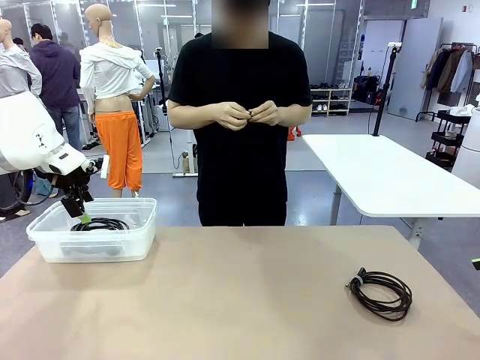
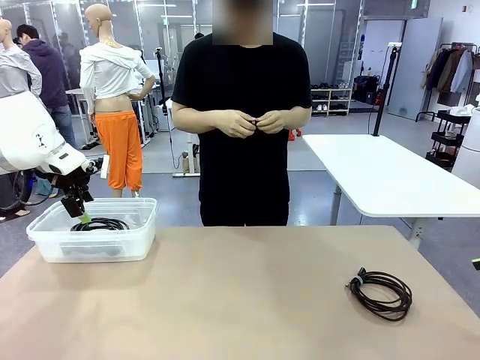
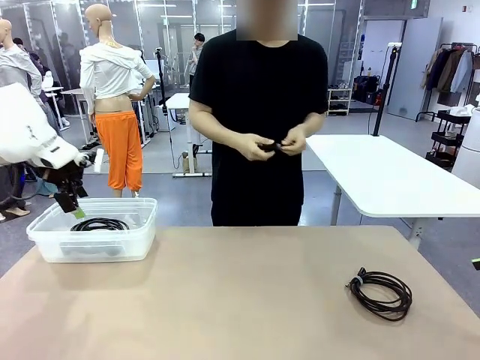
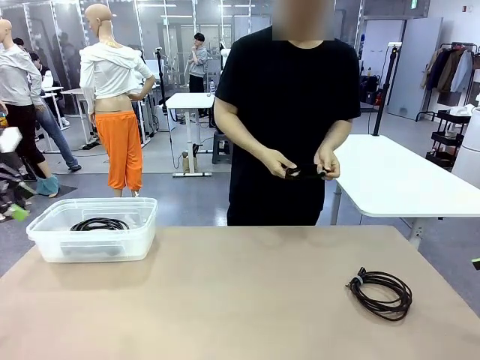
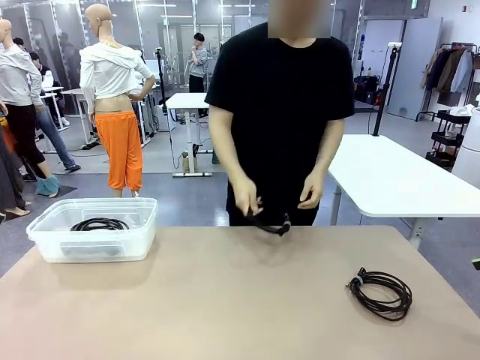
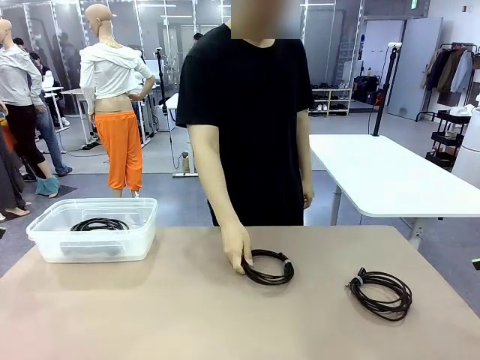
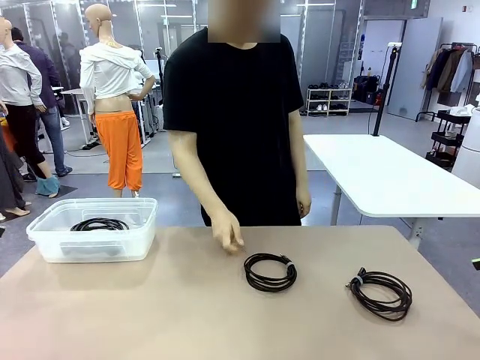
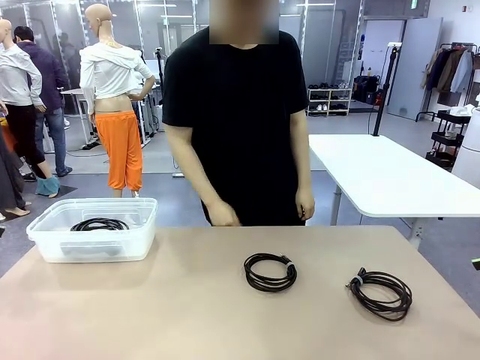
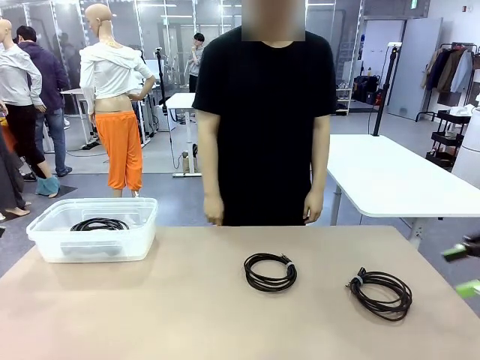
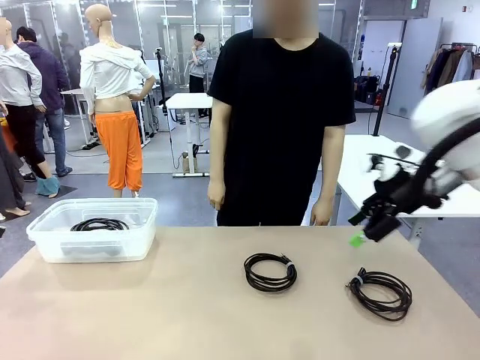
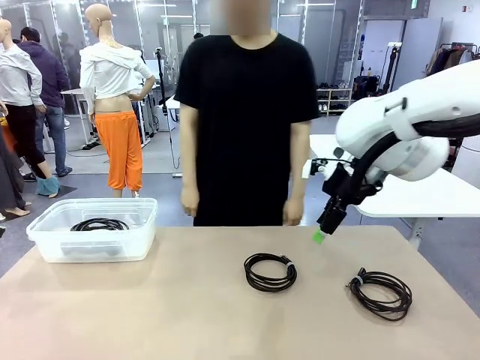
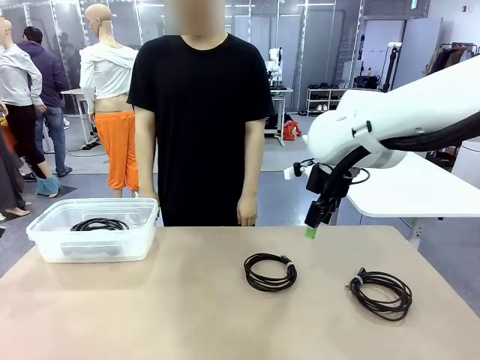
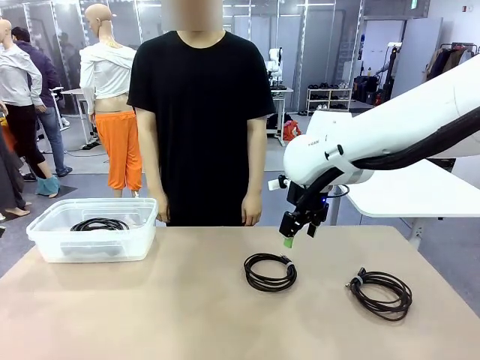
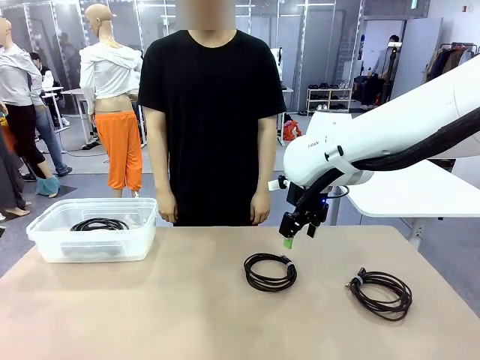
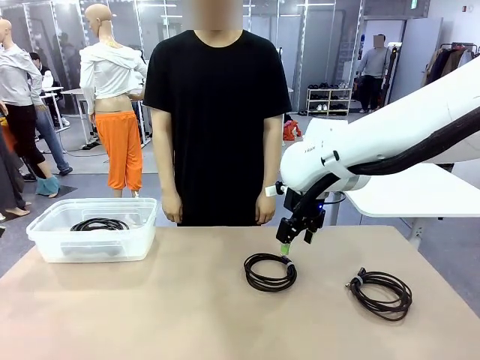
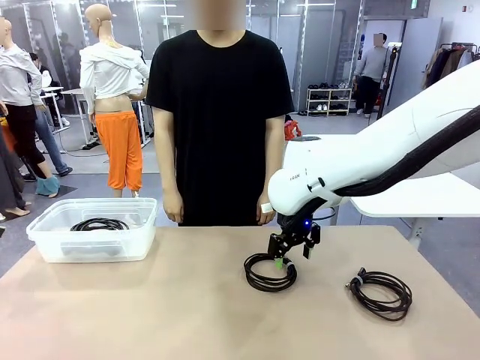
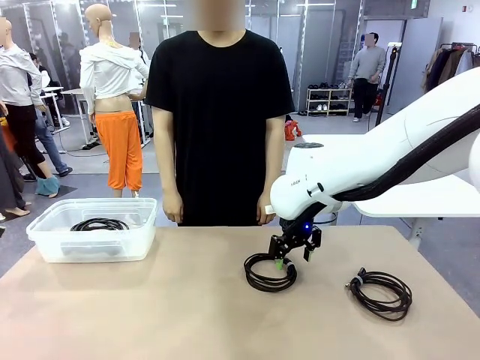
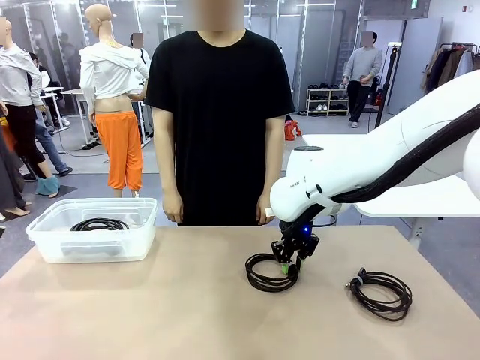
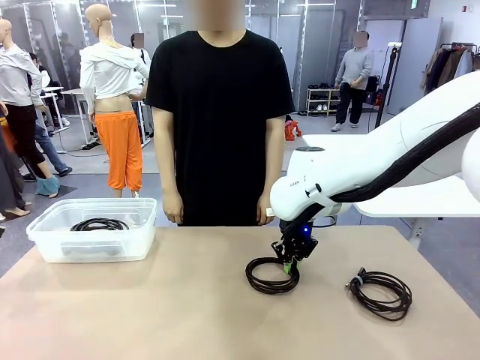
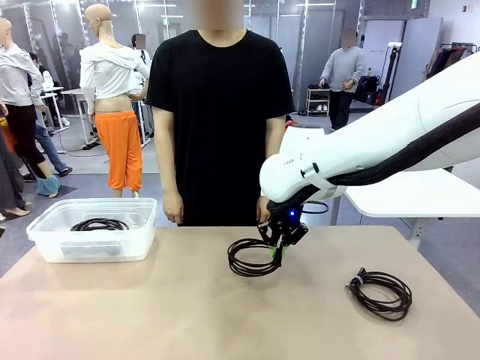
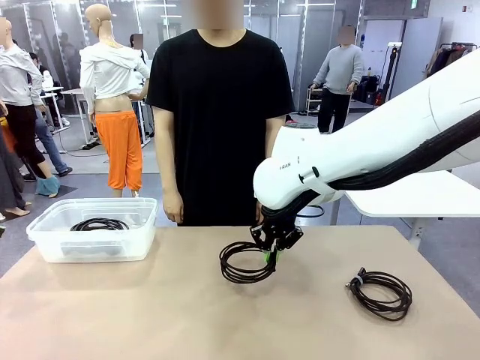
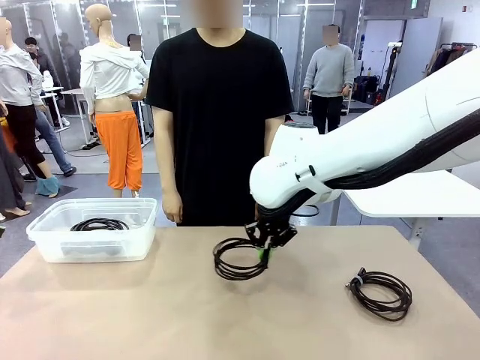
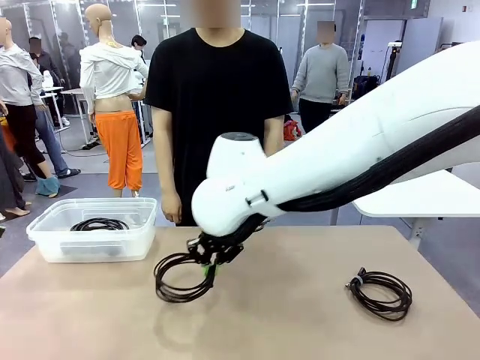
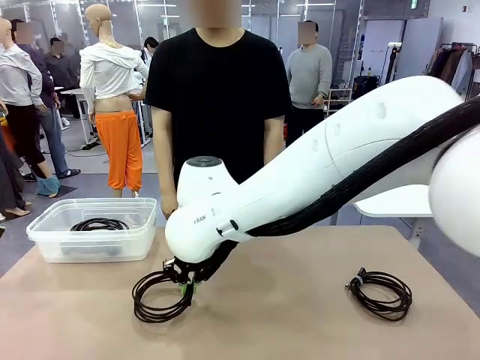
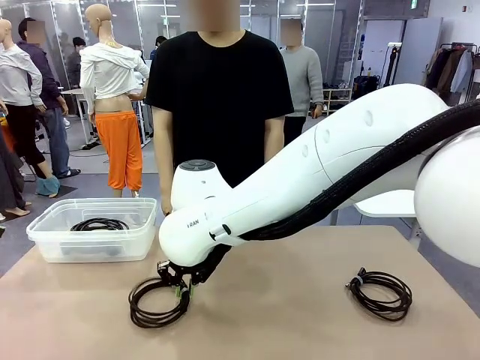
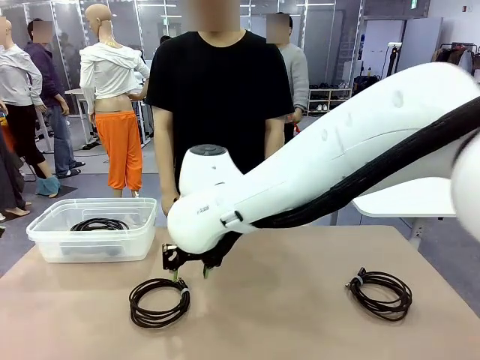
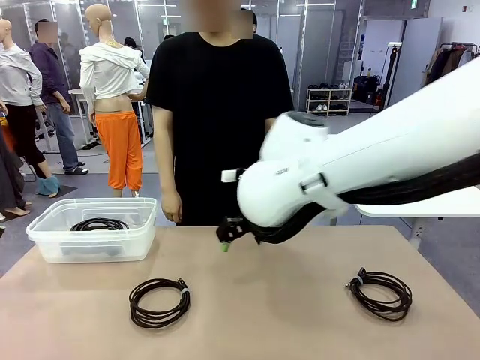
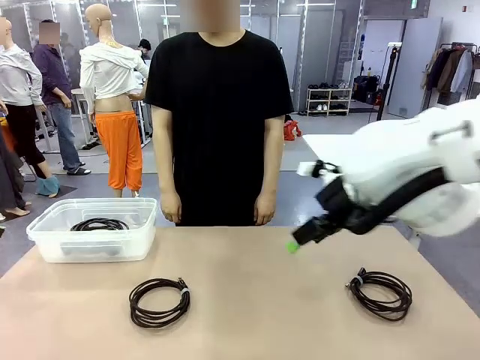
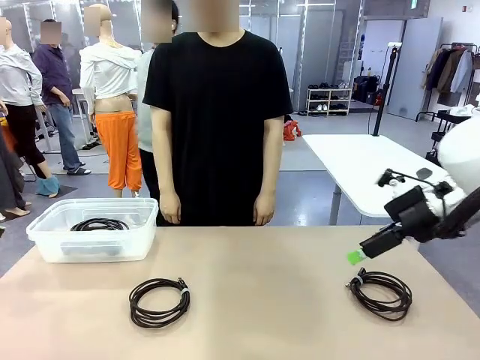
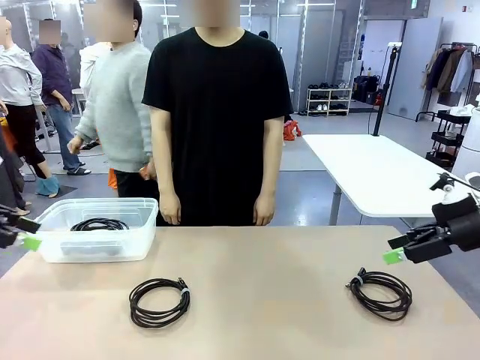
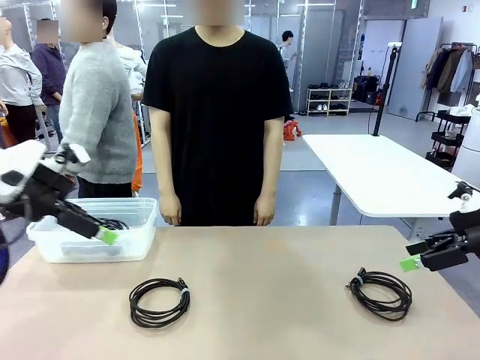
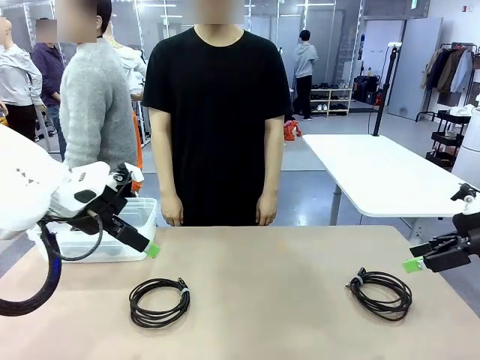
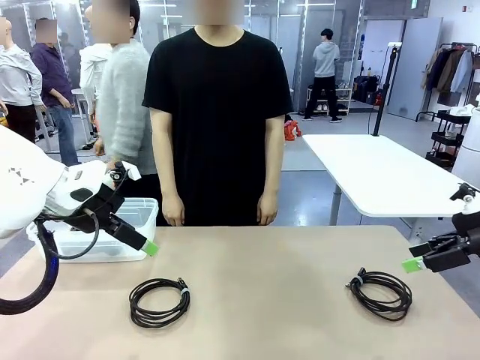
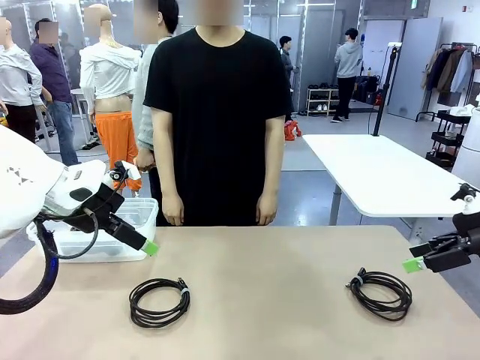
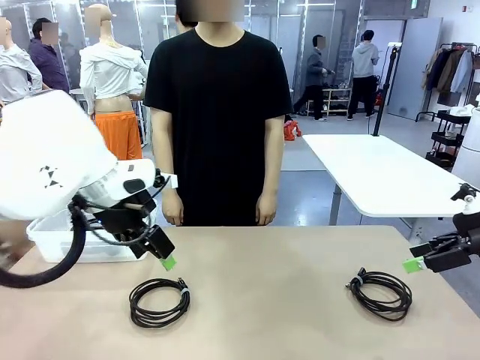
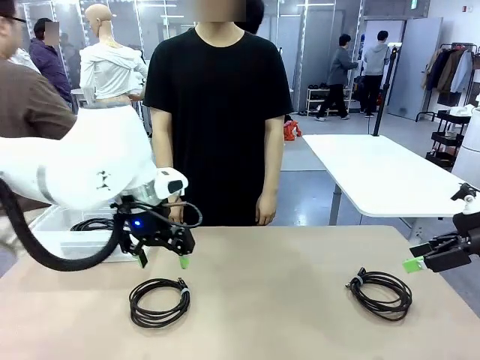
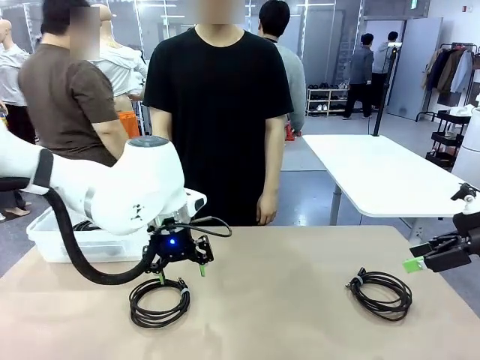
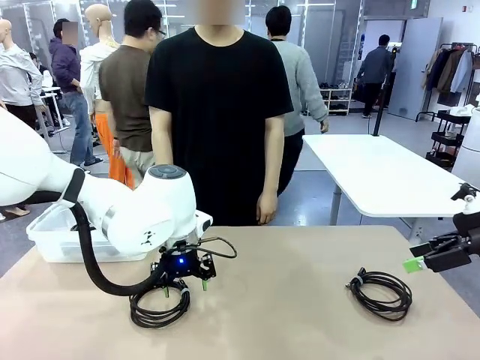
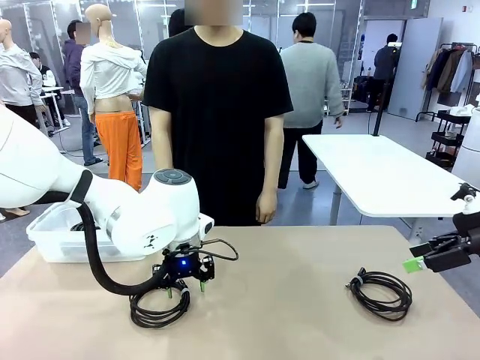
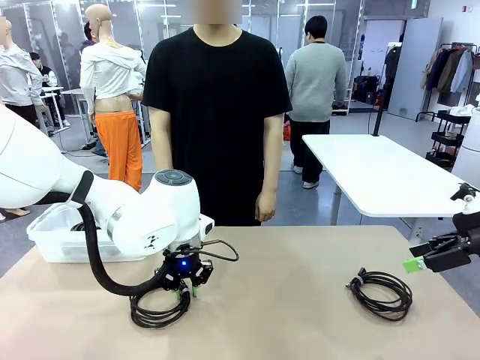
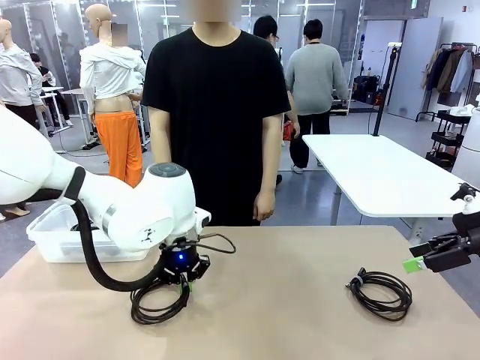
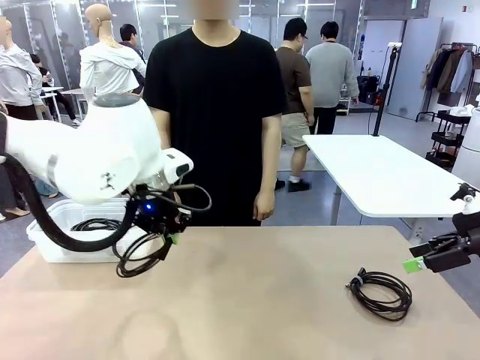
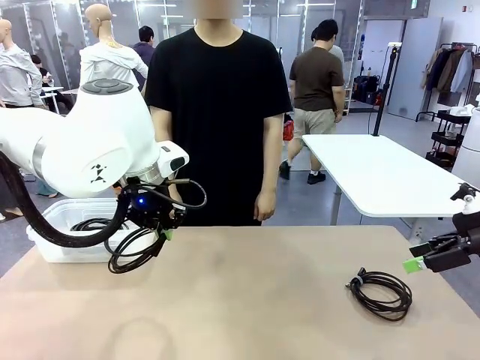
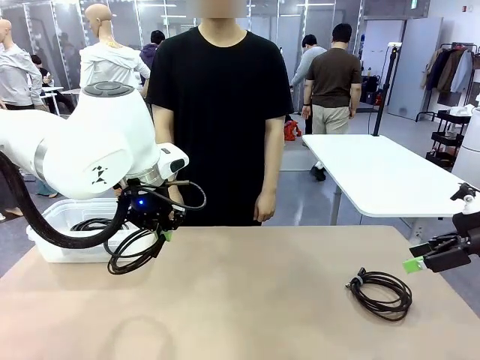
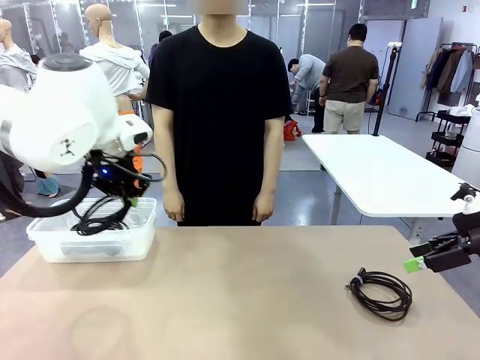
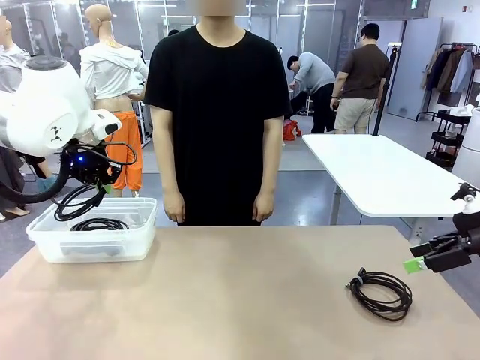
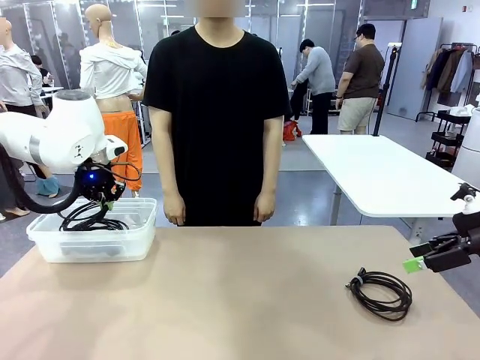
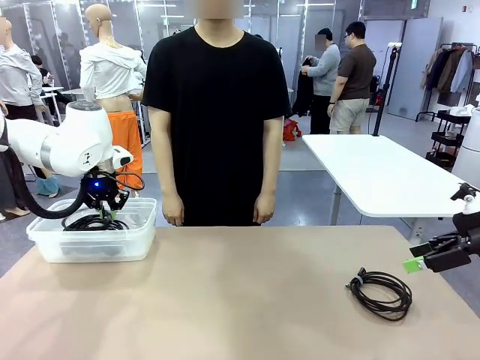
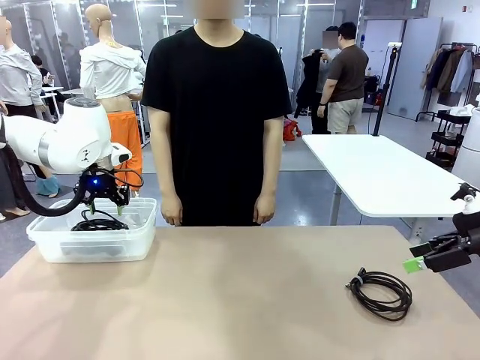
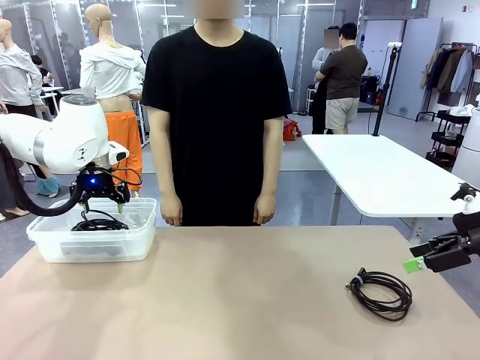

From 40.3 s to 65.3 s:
Task: Organize and store the cables.
Robot: Place the USB Extension Cable into the Organizing box.
